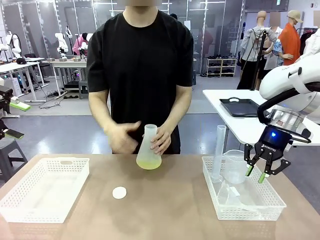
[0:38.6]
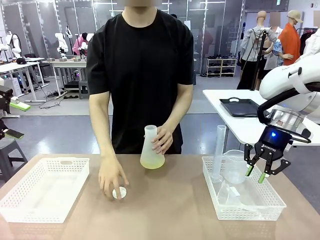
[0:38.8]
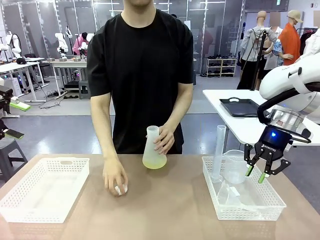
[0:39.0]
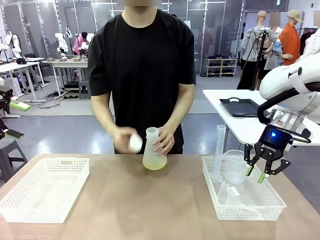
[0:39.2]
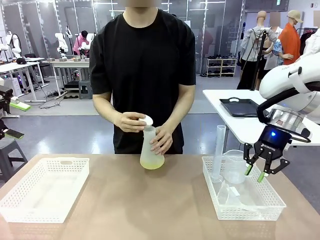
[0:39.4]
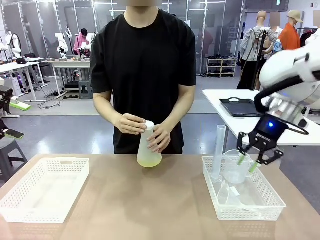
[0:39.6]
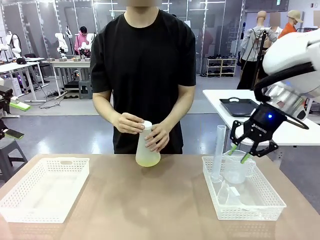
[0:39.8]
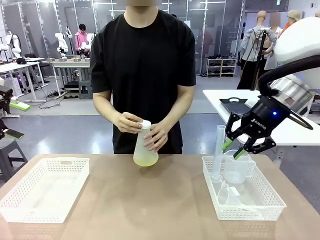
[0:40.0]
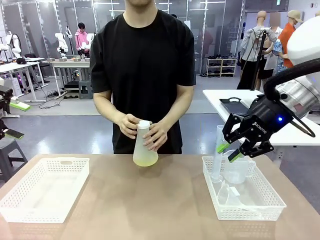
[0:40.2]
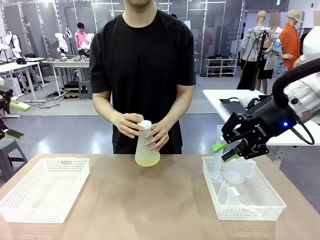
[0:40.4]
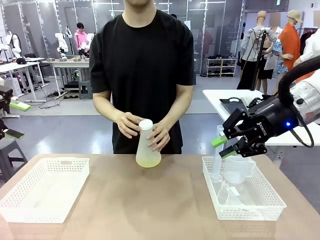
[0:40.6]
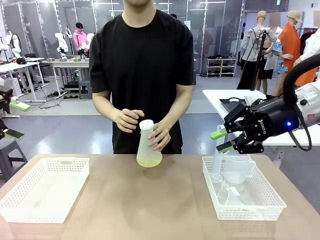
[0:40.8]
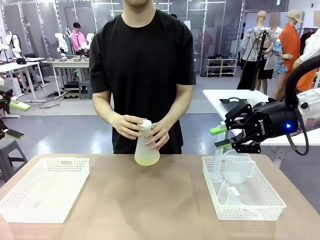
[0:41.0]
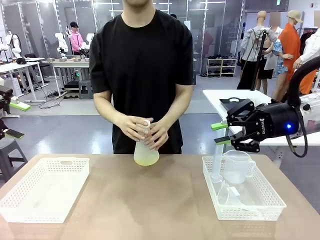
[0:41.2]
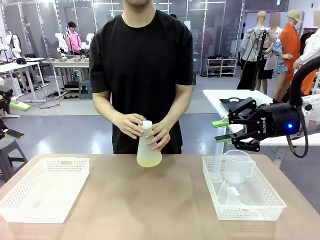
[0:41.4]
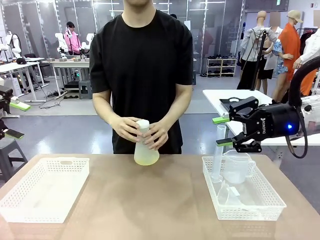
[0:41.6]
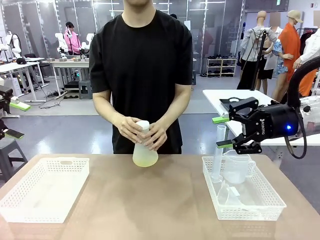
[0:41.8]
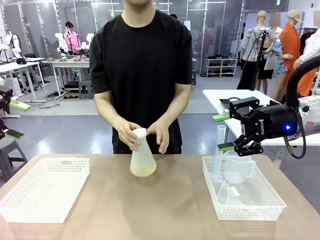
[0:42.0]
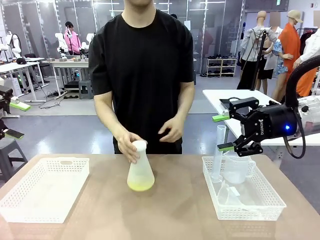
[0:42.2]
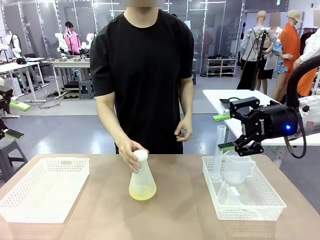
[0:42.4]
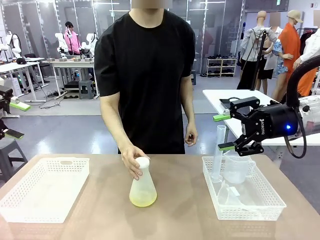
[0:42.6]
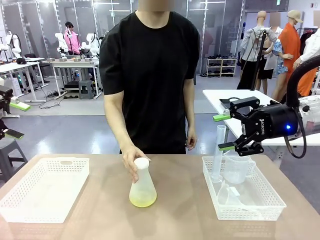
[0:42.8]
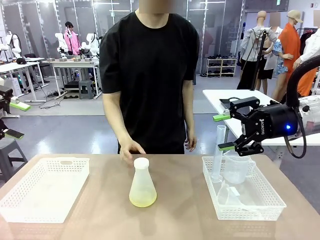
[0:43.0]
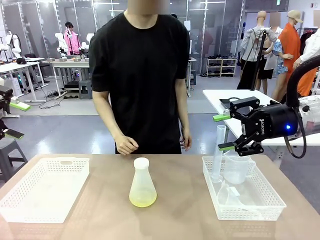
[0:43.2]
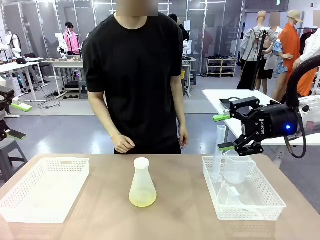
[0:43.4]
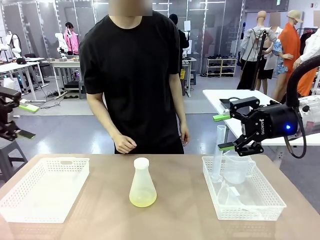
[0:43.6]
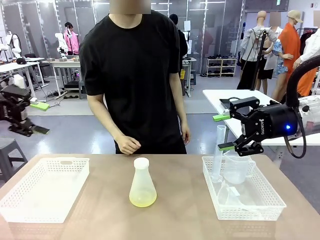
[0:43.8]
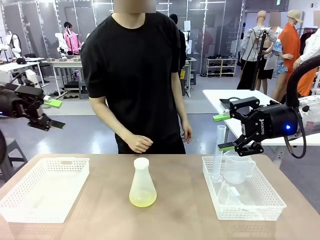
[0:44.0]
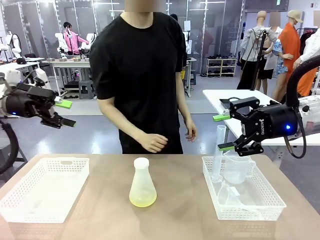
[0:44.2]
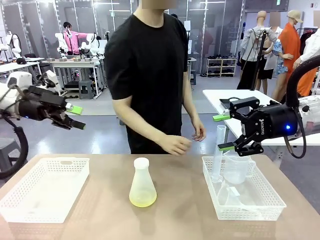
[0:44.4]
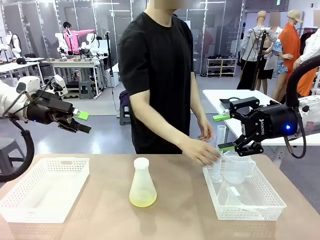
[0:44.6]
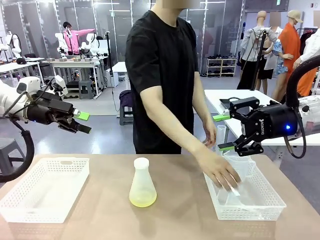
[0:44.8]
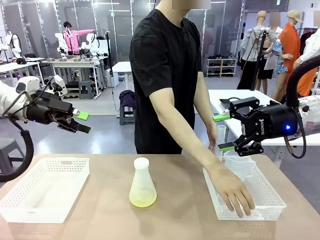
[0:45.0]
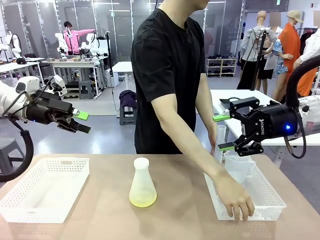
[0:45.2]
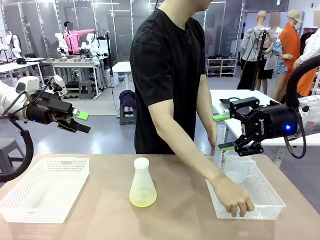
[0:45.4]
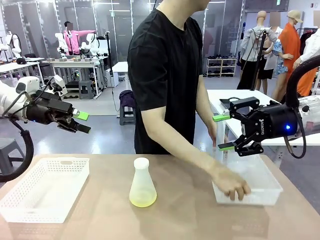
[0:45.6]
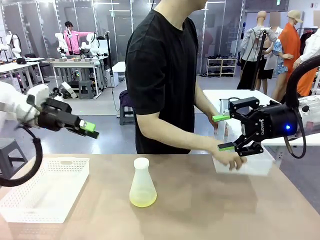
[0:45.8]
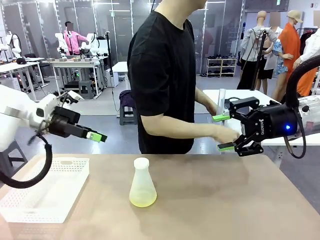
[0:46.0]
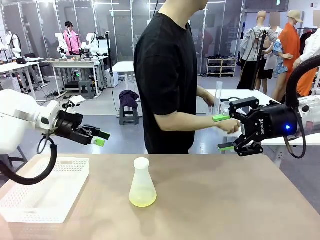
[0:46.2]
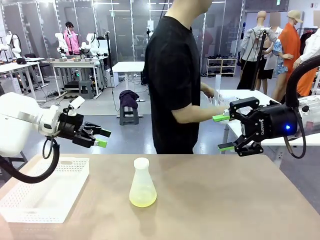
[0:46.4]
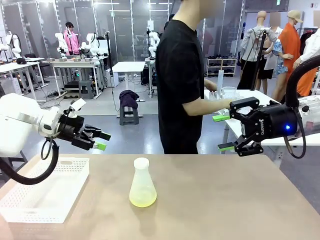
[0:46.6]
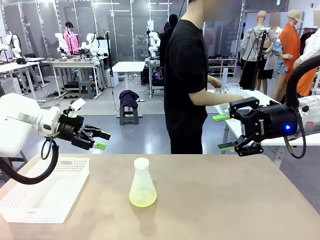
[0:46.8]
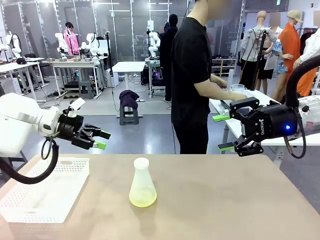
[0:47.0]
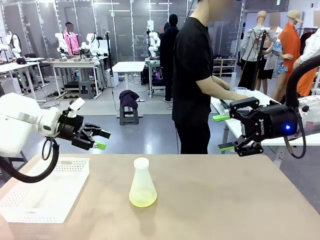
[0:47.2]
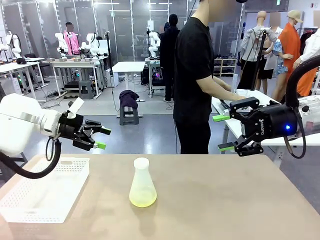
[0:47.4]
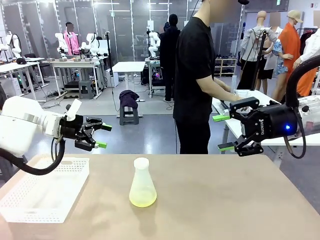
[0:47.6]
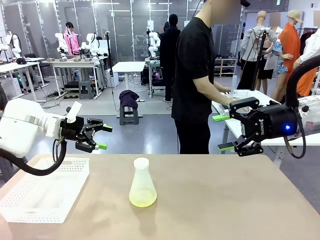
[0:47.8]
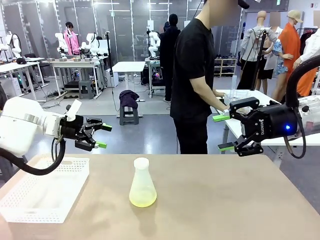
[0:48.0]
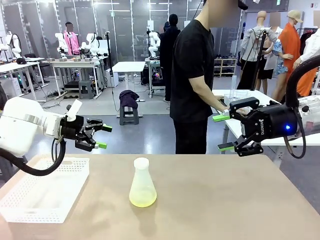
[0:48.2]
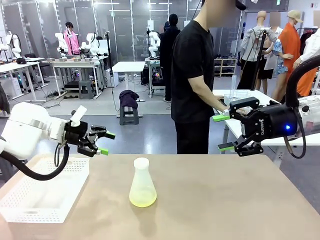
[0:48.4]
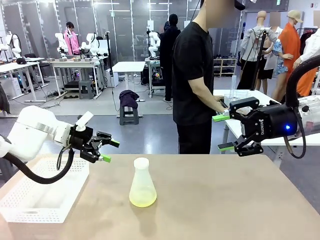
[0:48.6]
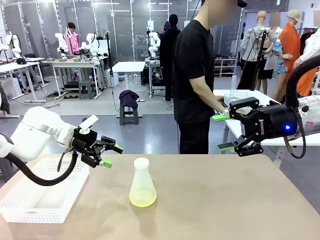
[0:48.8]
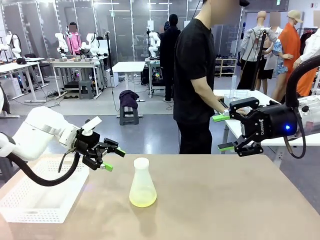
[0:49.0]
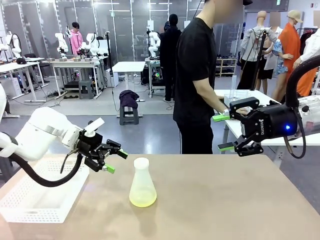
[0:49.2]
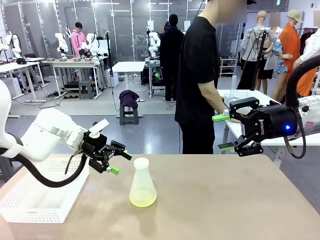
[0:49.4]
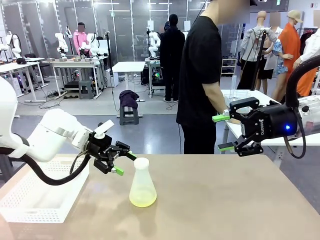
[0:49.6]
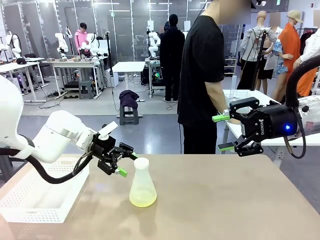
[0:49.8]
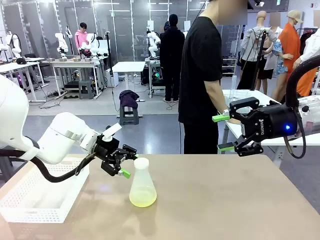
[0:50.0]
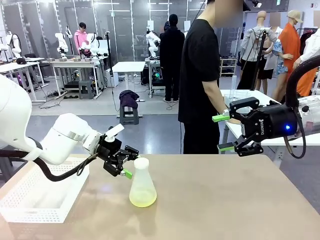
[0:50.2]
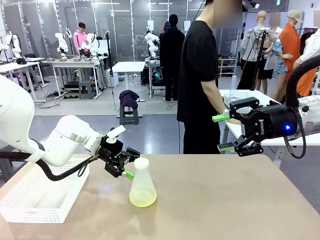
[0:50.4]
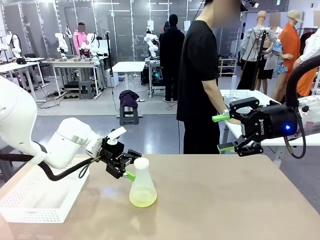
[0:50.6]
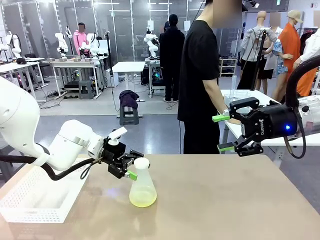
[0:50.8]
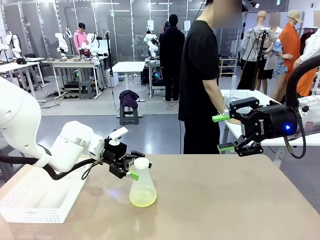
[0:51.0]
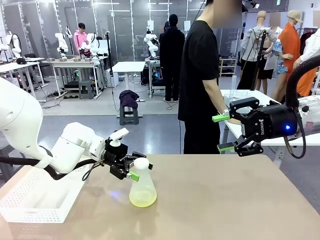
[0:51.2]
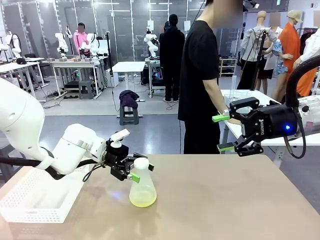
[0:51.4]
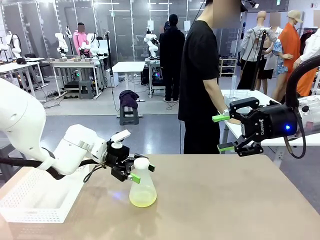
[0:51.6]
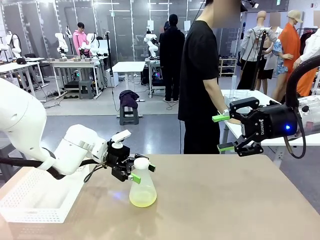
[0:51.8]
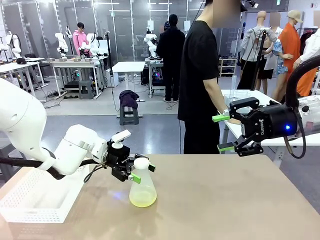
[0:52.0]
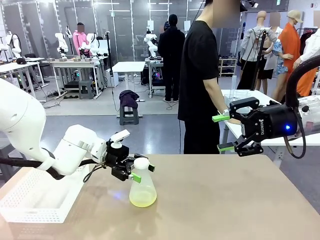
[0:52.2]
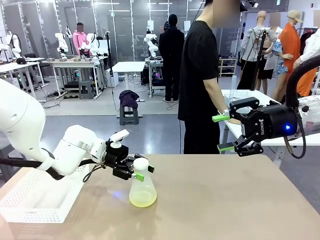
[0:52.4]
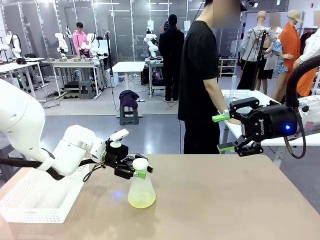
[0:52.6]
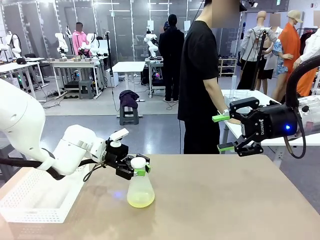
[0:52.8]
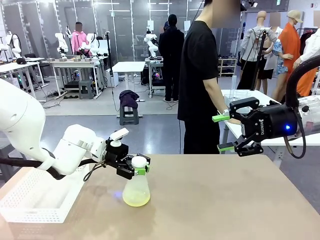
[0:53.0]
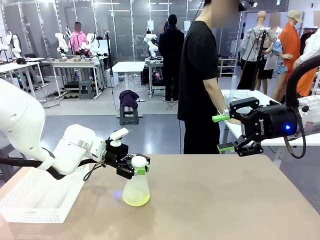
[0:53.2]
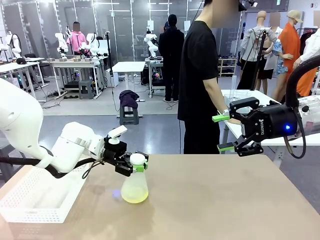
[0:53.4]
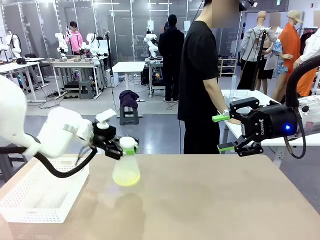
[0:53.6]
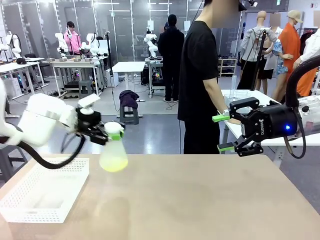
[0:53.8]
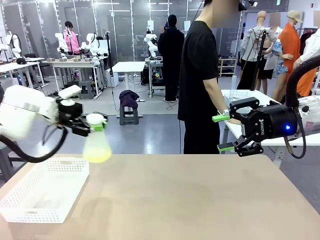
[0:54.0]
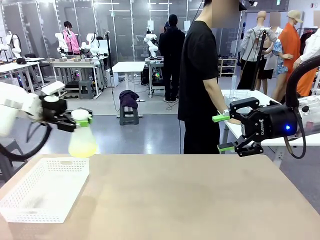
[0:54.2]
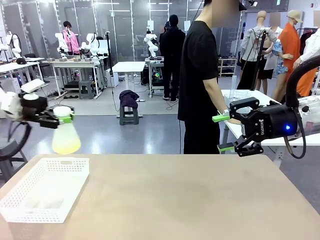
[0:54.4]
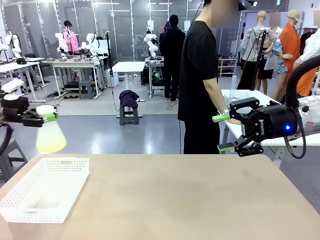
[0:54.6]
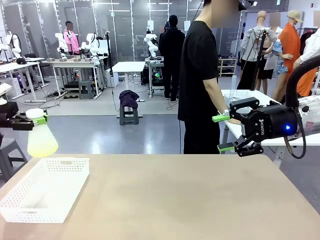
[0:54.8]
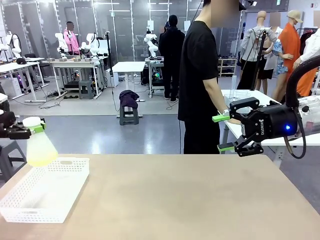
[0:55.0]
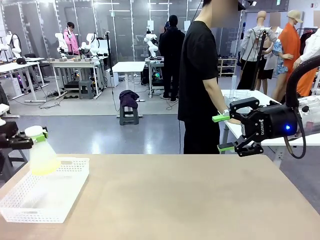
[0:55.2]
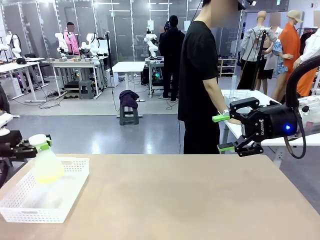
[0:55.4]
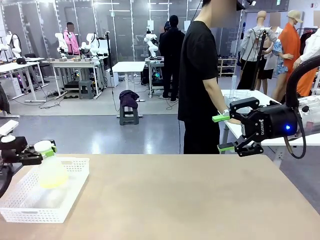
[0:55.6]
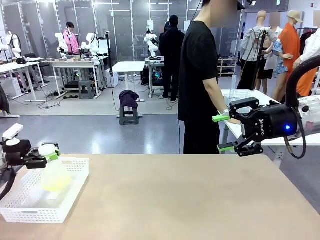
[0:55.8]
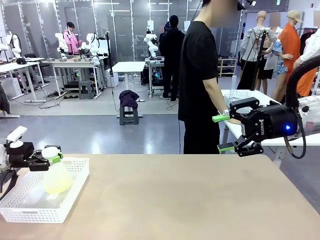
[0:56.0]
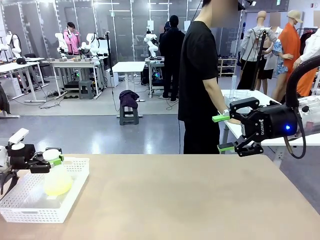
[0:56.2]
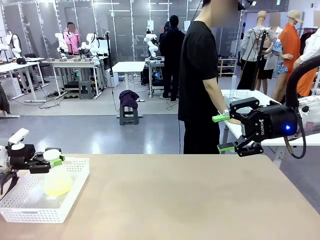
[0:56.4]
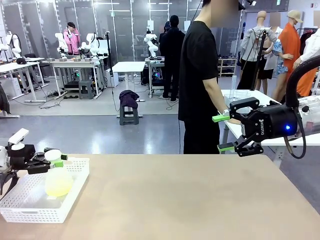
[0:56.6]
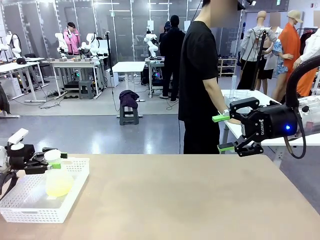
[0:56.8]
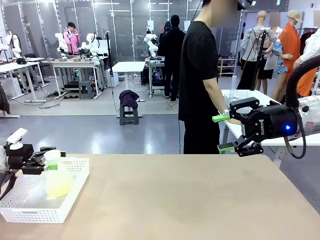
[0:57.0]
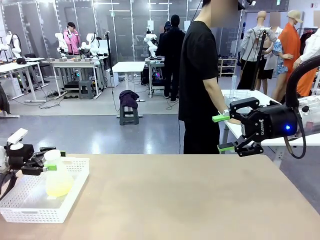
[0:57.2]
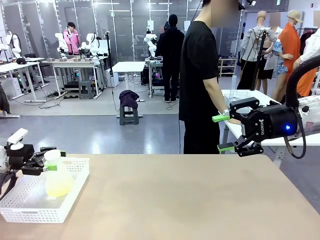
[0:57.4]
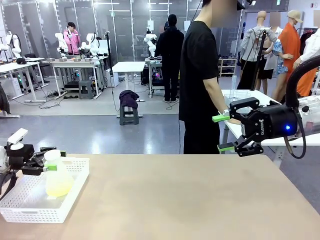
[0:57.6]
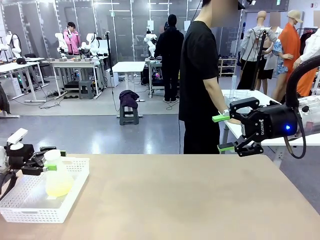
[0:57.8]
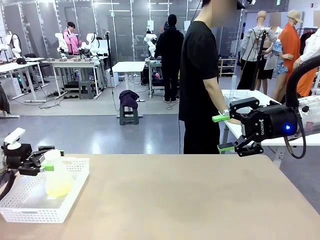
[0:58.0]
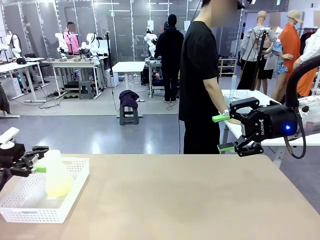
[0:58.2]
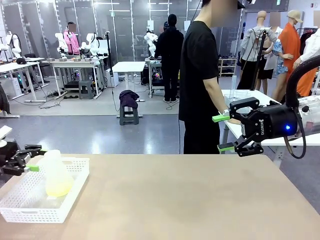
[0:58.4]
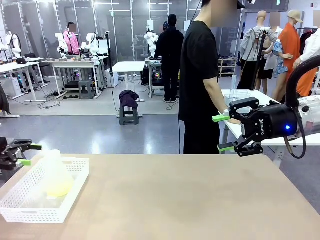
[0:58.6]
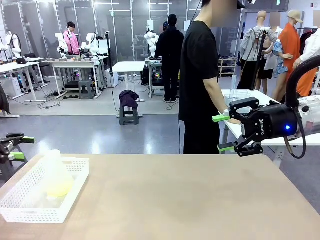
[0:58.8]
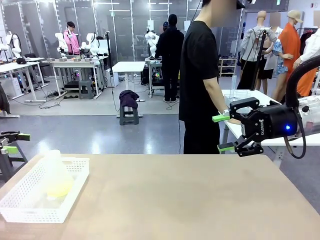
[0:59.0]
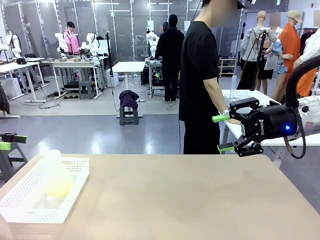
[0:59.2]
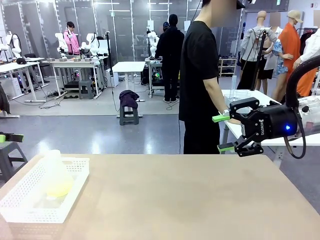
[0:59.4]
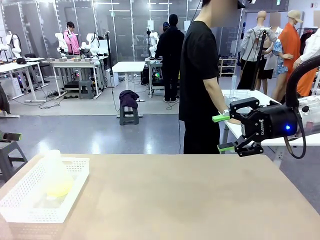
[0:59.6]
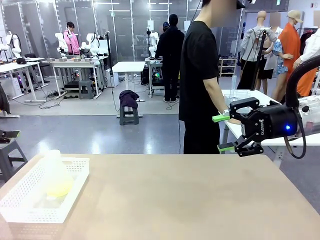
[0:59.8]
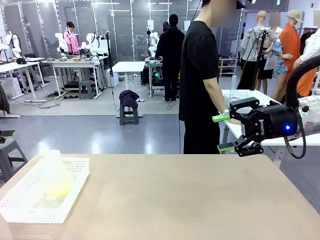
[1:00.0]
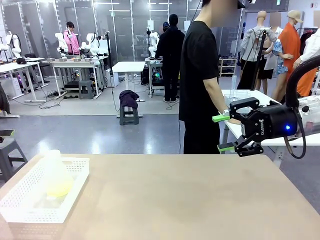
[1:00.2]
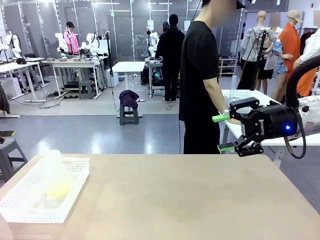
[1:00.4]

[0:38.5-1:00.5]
Task: Prepare the solutions needed for the experiment.
Robot: When the human places the Big flask in the center of the table, pick up the Big flask and place it in the left Organizing basket.
Person: Pick up the organizing basket on the left side of the robot table and place it on the left side of the human table.
